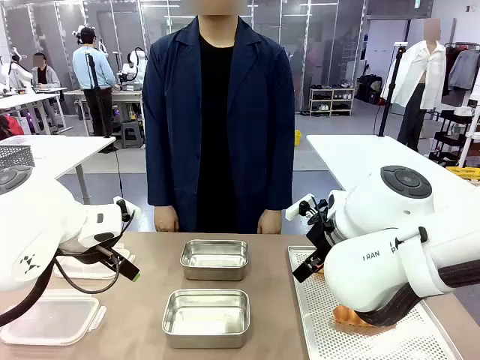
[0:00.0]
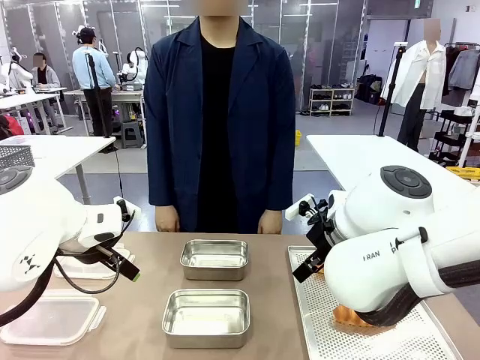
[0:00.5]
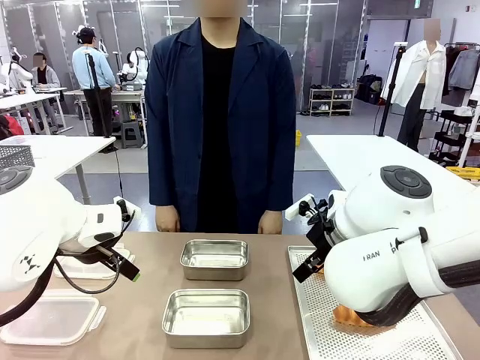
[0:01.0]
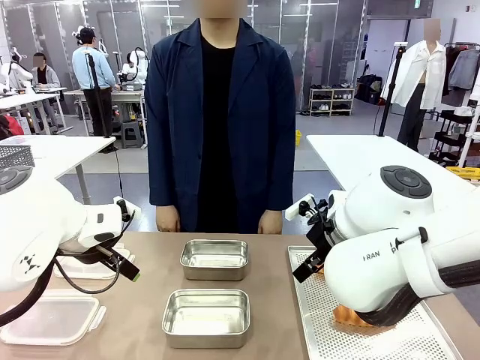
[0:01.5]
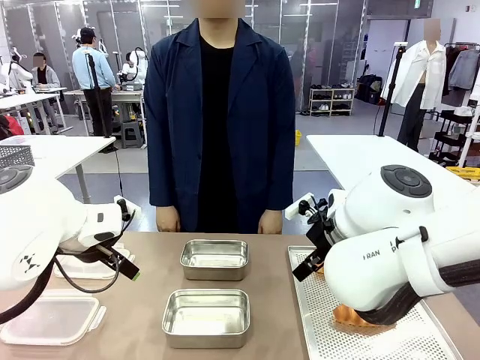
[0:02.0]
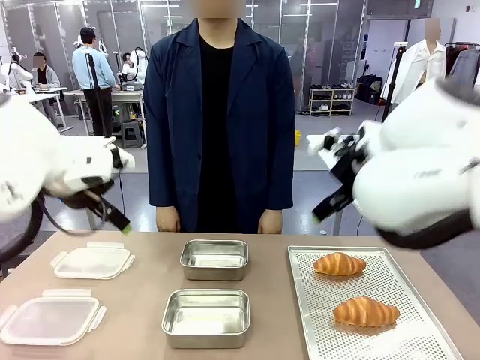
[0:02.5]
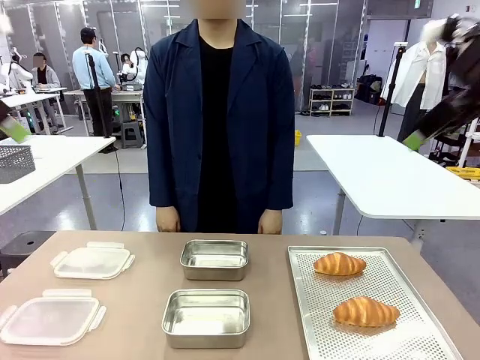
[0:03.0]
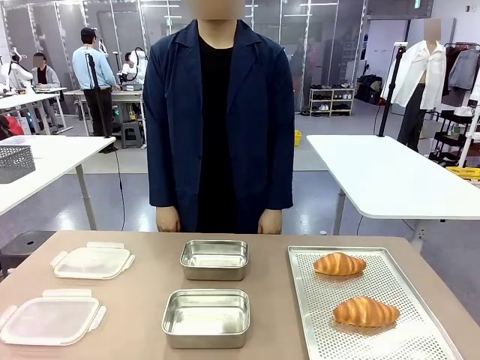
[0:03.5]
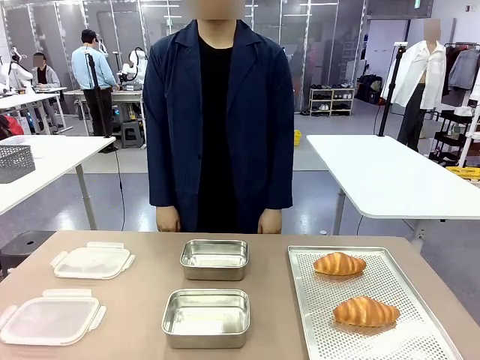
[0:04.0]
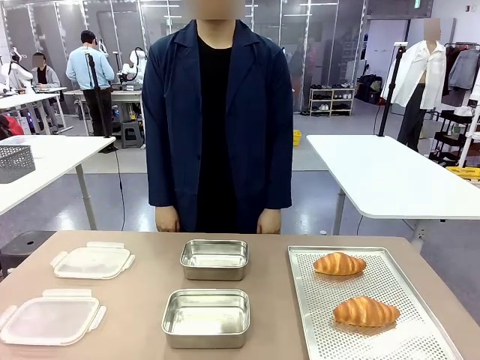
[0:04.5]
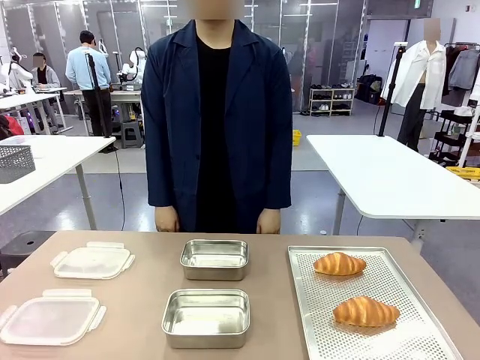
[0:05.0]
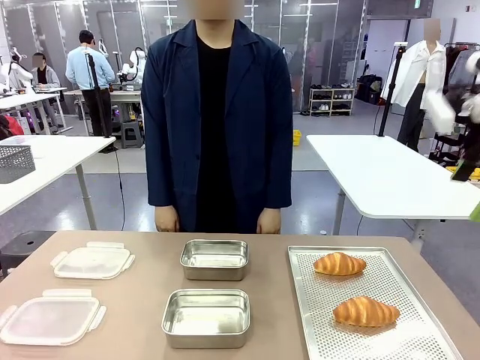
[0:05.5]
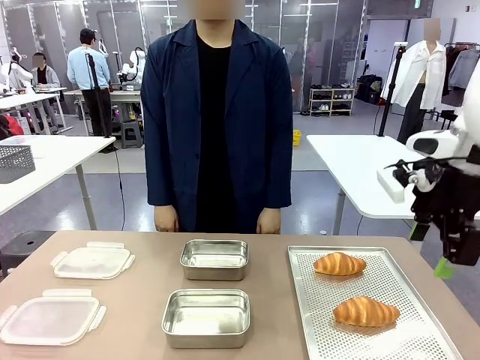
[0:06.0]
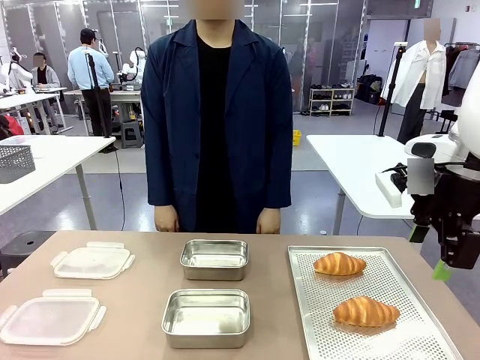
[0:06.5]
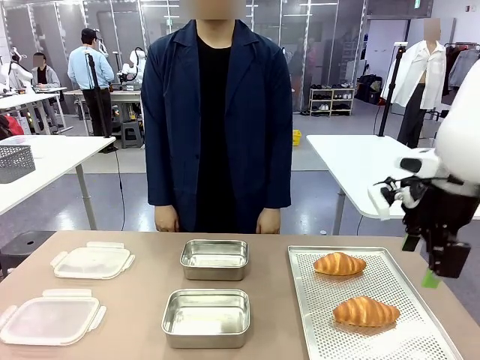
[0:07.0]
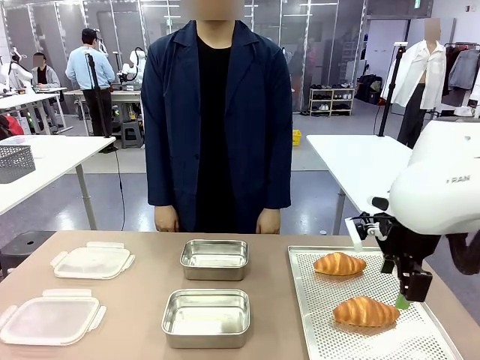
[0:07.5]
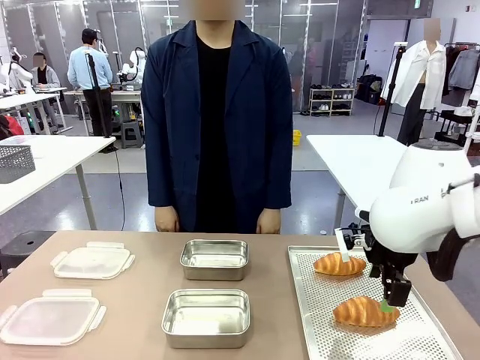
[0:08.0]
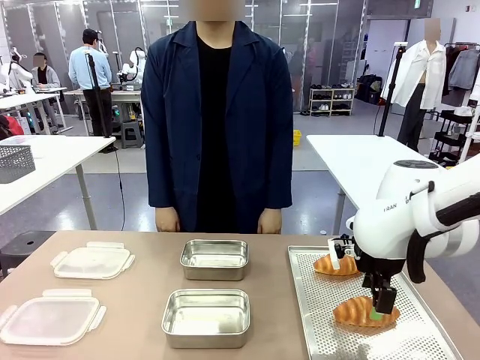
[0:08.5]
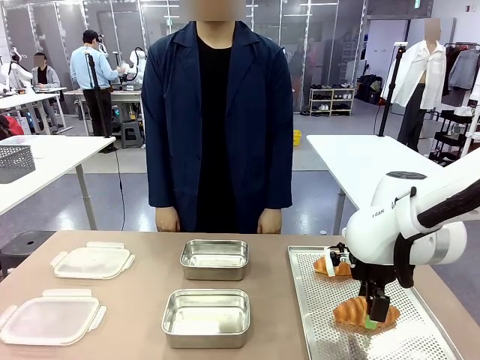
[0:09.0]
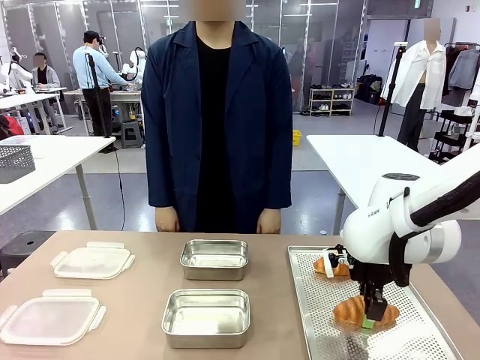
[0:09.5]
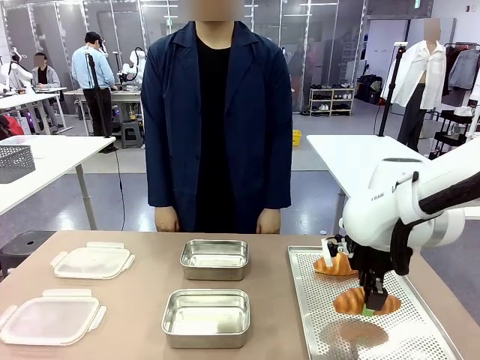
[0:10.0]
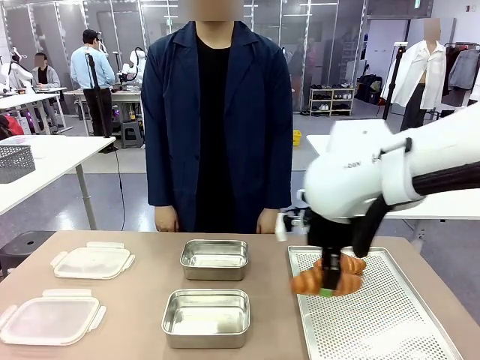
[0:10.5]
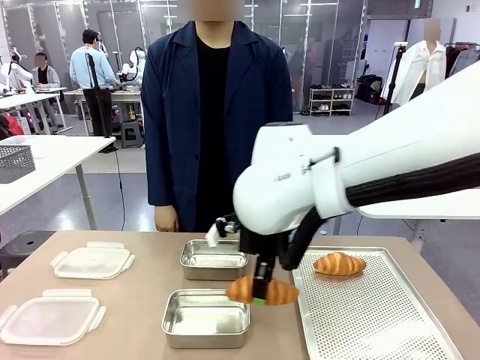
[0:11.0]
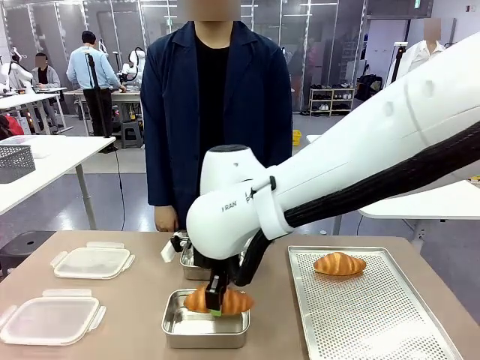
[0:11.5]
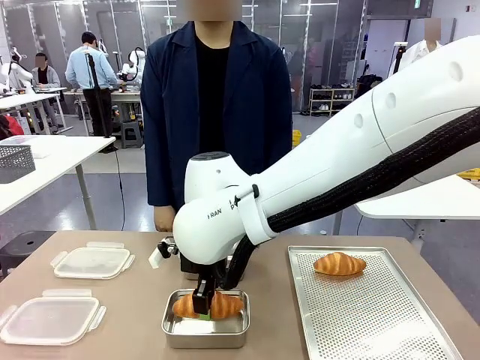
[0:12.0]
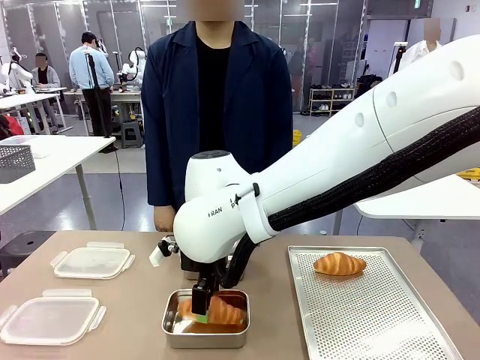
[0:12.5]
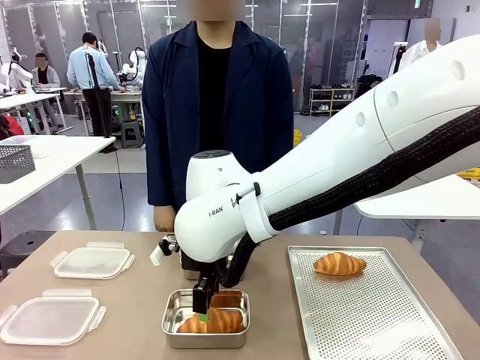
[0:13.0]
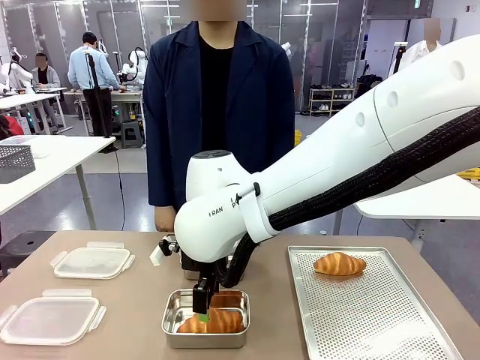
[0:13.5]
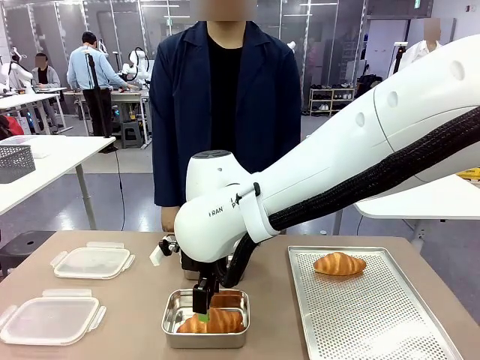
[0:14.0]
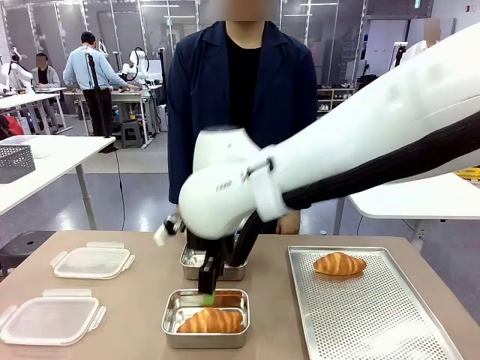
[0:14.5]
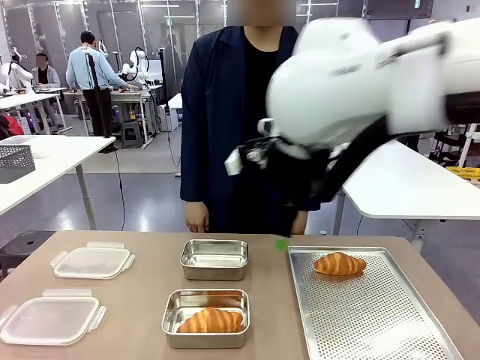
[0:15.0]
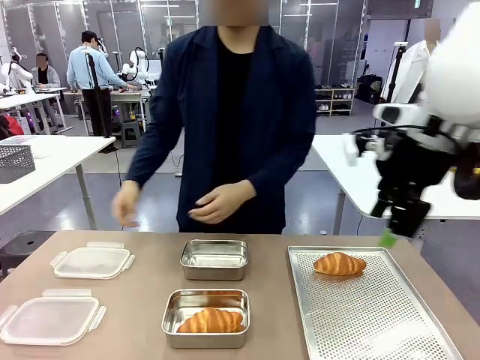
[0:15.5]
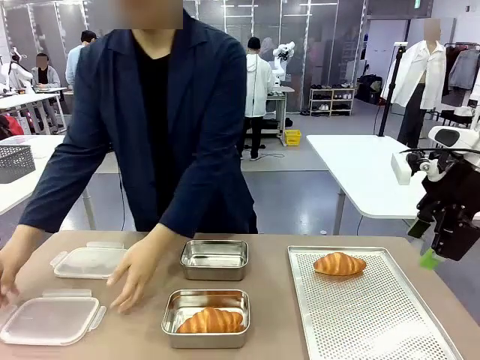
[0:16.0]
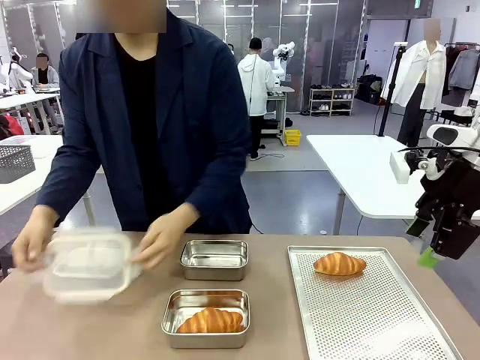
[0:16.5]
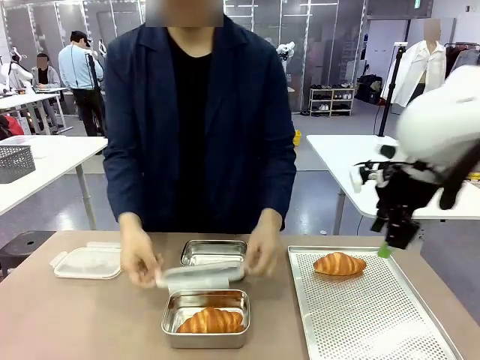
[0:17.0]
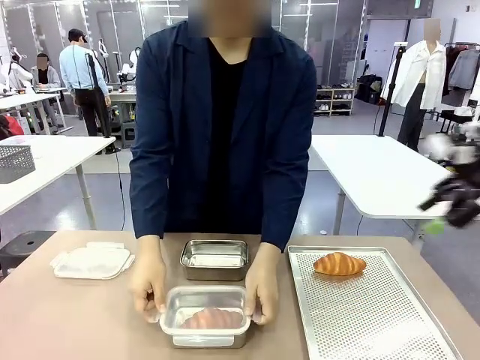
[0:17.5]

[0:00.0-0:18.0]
Task: Place the bread into the airtight container.
Robot: Pick up a Butter Roll and place it into an empty Airtight Container.
